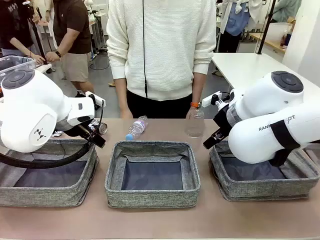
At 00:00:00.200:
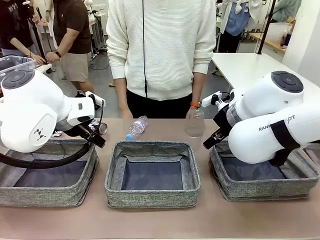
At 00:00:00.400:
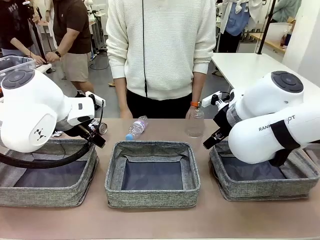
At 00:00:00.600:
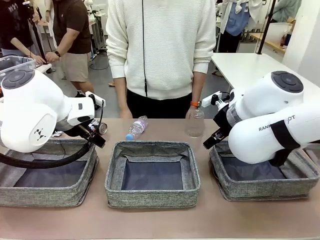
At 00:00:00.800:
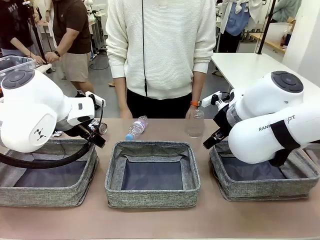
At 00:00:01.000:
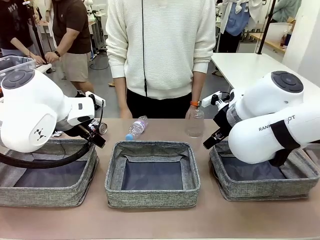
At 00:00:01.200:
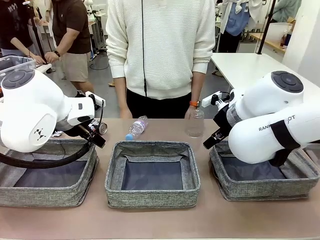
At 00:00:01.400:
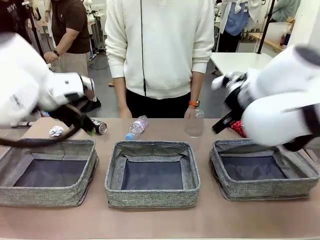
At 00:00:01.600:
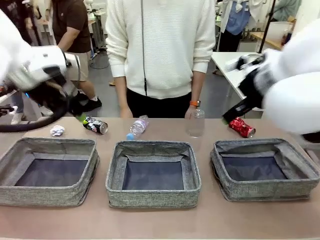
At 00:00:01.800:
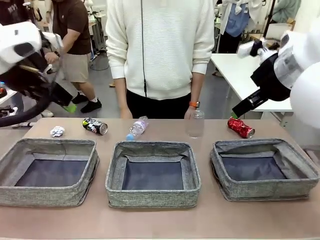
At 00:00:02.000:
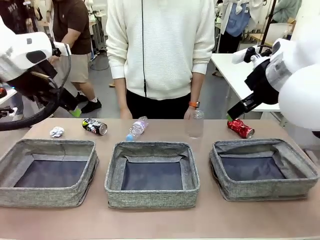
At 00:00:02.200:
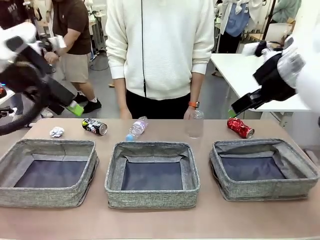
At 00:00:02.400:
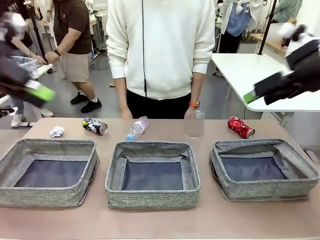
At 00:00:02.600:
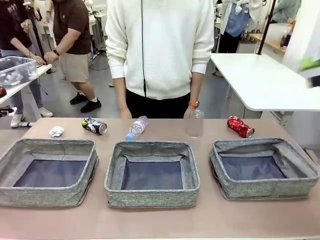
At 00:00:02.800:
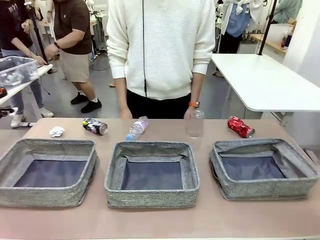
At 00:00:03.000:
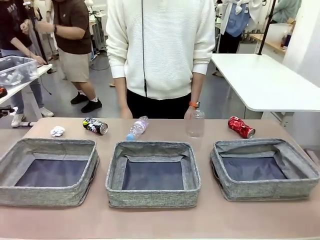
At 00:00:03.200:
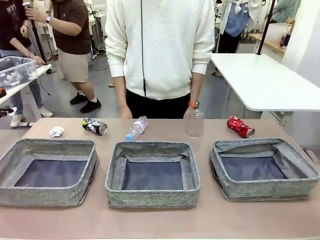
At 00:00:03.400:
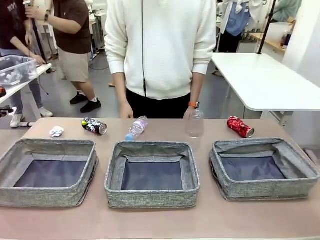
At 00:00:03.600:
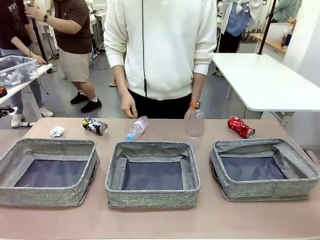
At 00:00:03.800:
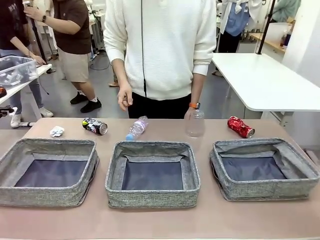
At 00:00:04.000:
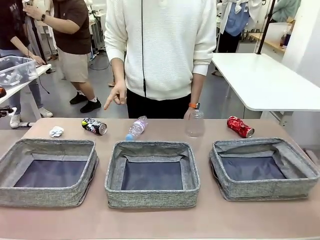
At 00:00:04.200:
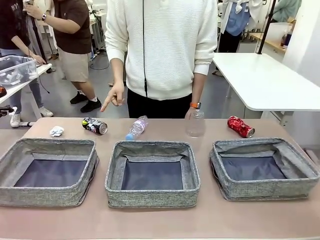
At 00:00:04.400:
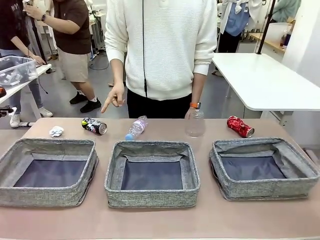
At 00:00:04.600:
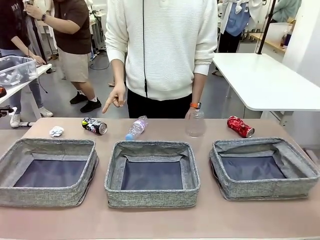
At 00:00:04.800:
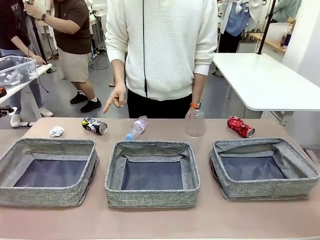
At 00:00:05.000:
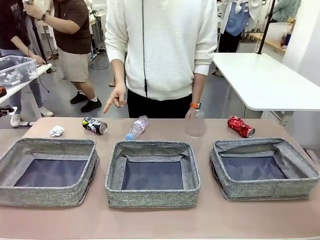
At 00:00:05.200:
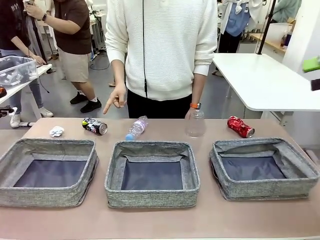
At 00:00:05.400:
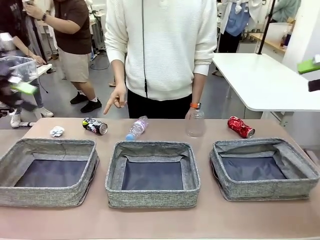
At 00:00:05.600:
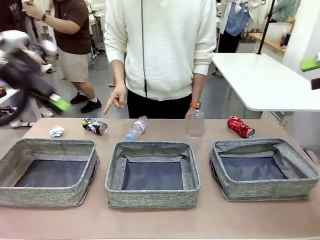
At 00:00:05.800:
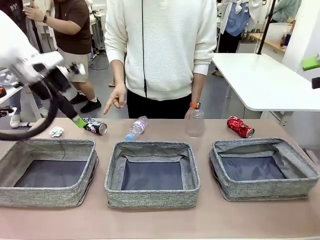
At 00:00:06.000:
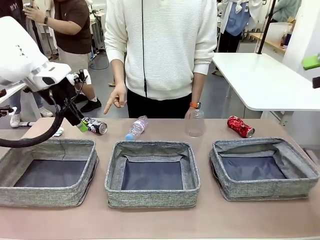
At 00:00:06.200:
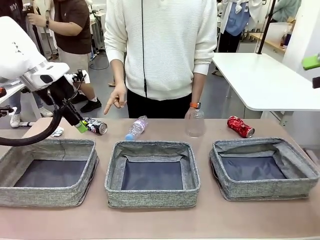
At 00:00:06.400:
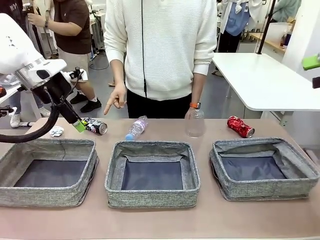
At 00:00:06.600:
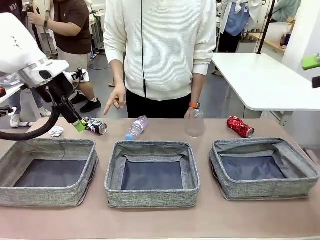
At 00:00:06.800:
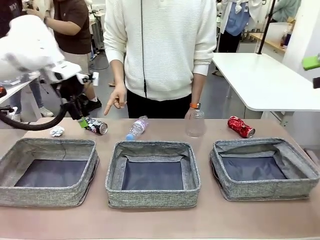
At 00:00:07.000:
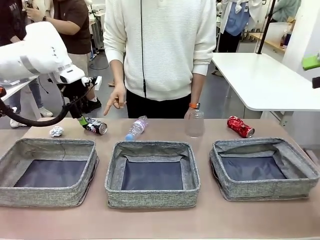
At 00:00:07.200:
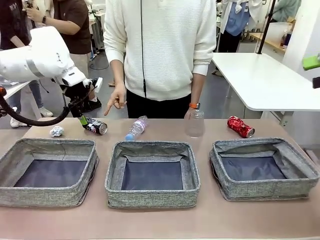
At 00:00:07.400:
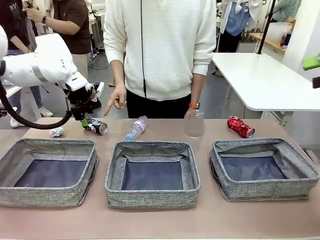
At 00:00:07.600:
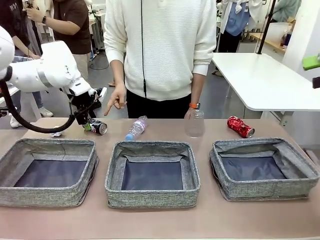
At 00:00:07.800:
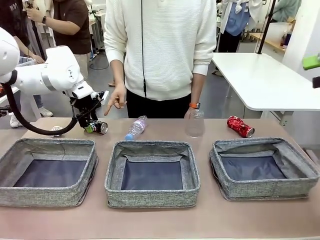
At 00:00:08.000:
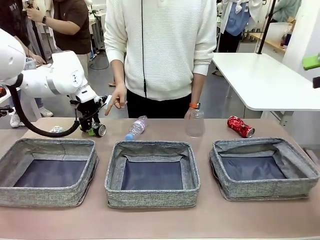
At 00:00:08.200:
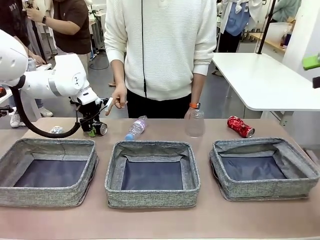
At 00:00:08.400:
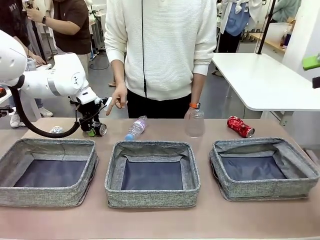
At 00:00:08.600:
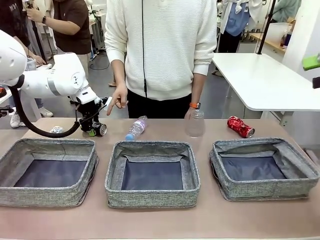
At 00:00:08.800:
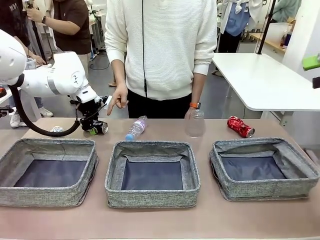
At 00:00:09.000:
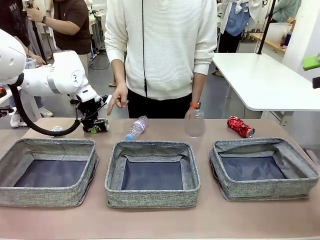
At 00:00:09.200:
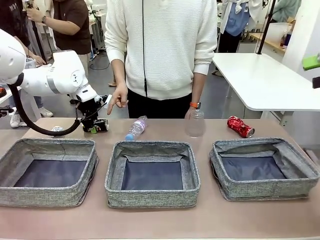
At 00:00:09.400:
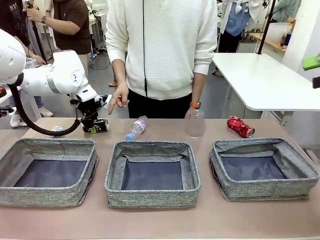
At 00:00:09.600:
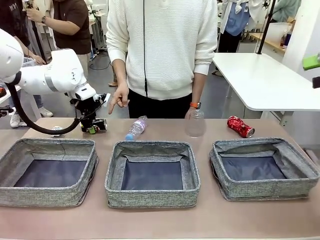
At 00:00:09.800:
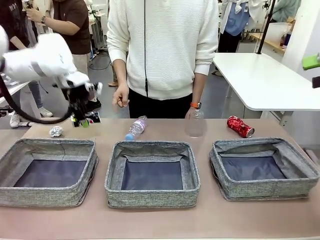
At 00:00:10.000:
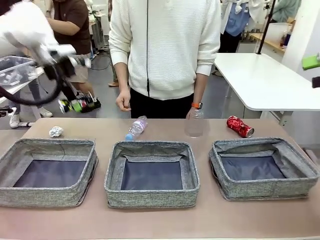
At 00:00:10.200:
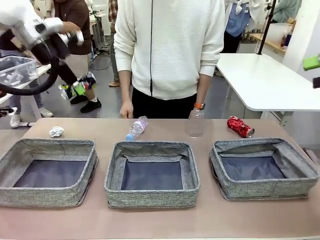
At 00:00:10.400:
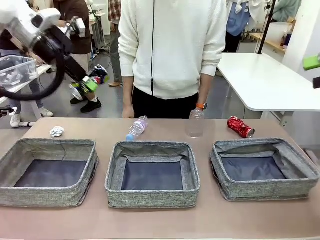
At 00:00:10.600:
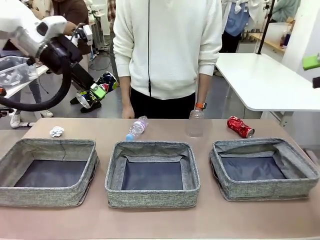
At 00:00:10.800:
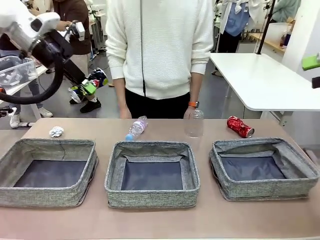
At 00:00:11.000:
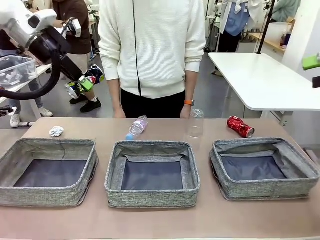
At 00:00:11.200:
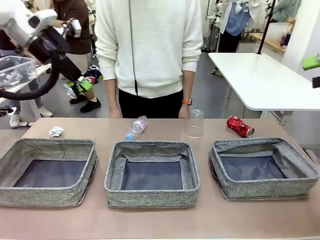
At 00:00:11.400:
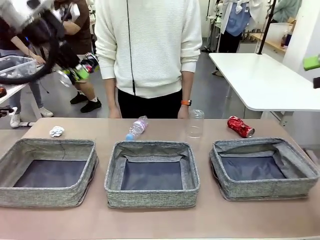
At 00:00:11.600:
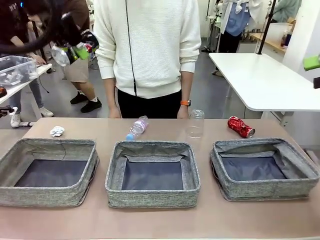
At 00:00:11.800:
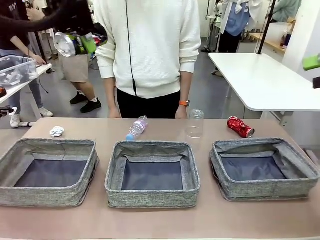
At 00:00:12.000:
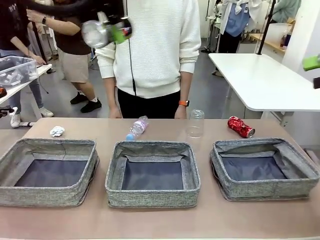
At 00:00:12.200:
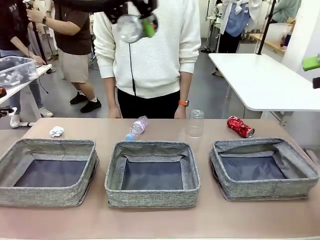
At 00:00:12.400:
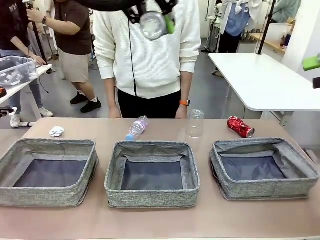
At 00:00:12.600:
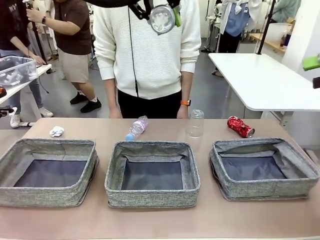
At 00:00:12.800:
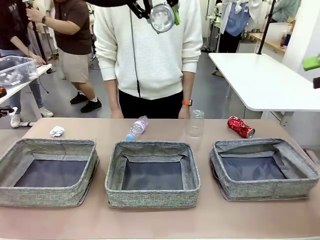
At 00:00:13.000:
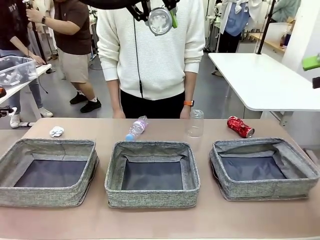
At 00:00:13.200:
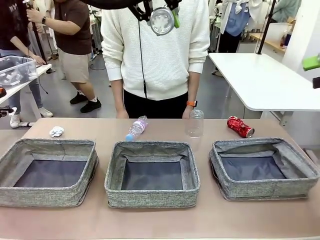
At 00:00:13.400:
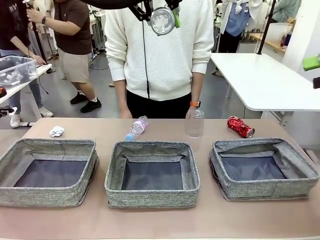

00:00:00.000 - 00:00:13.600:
Task: Sort the waste into the appropriate baskets.
Robot: Pick up the waste item pointed out by the person.
Person: Points to one piece of trash on the table.

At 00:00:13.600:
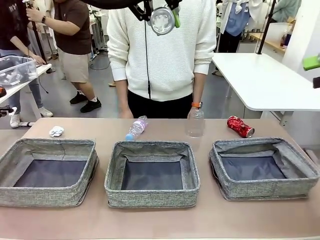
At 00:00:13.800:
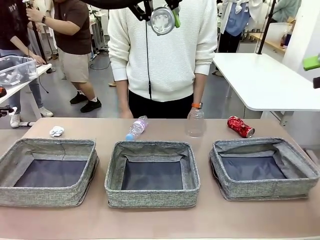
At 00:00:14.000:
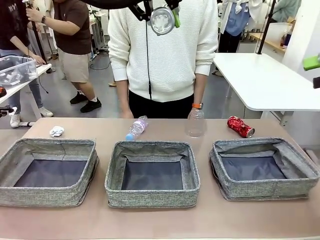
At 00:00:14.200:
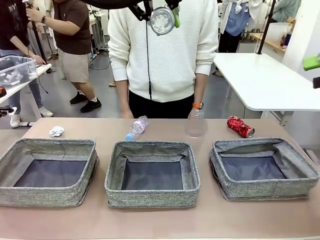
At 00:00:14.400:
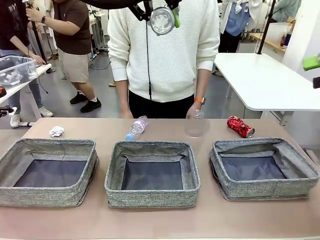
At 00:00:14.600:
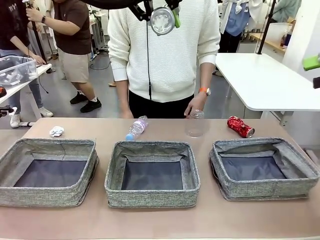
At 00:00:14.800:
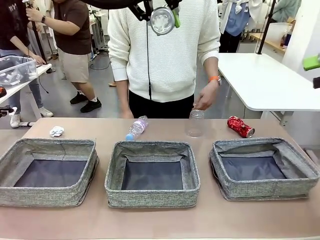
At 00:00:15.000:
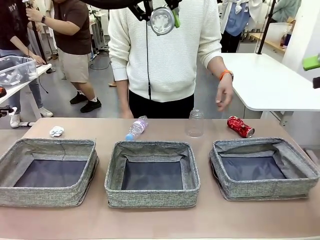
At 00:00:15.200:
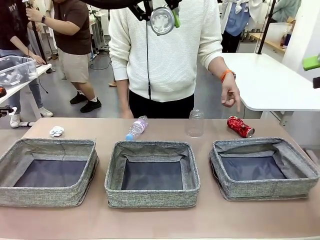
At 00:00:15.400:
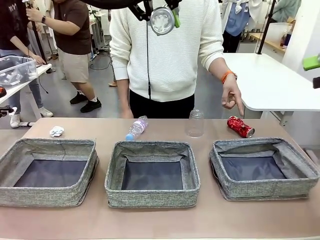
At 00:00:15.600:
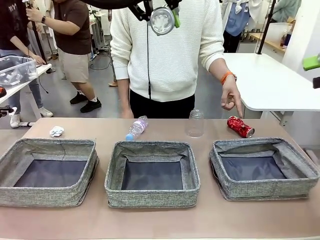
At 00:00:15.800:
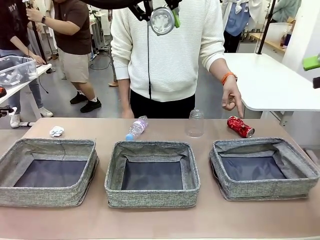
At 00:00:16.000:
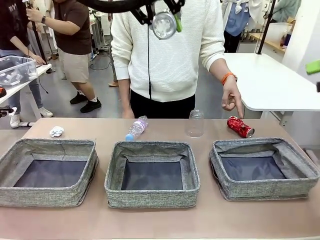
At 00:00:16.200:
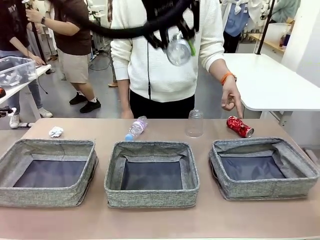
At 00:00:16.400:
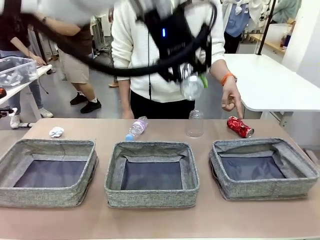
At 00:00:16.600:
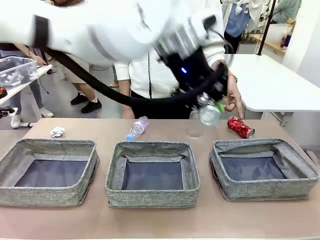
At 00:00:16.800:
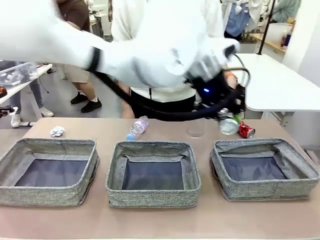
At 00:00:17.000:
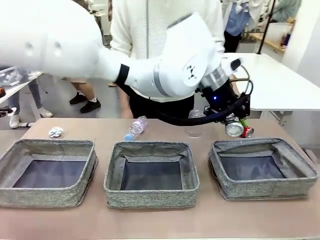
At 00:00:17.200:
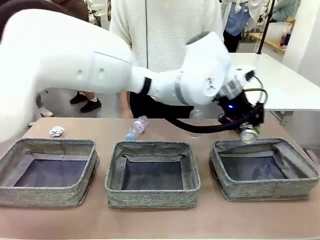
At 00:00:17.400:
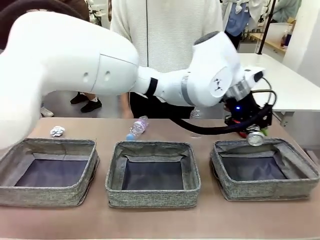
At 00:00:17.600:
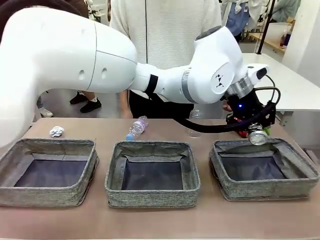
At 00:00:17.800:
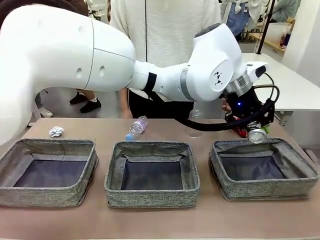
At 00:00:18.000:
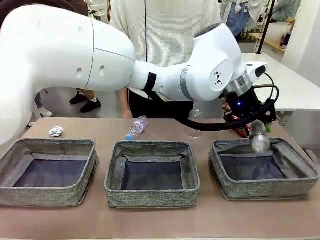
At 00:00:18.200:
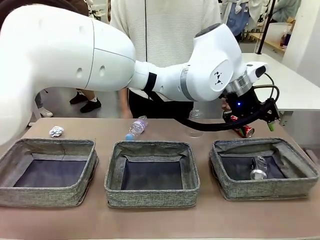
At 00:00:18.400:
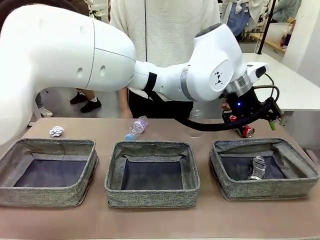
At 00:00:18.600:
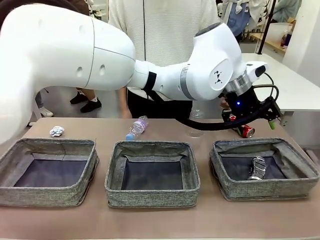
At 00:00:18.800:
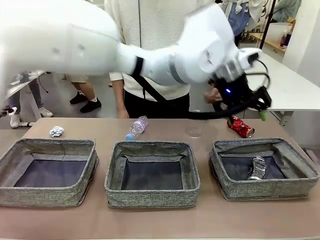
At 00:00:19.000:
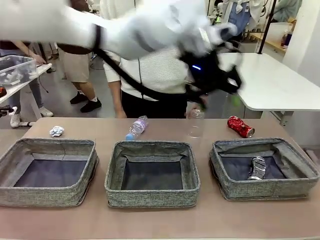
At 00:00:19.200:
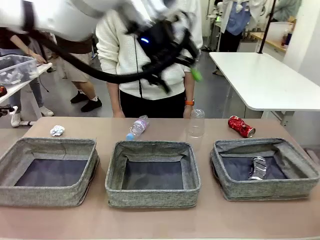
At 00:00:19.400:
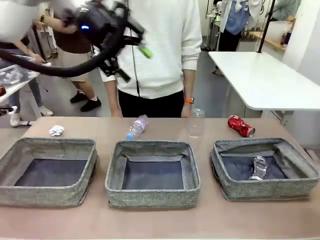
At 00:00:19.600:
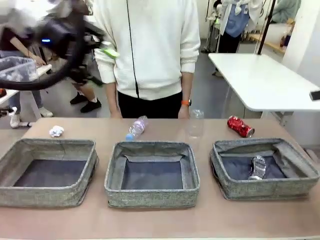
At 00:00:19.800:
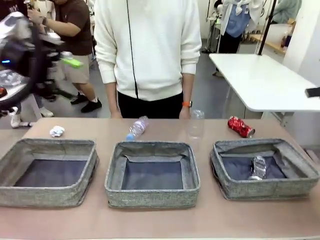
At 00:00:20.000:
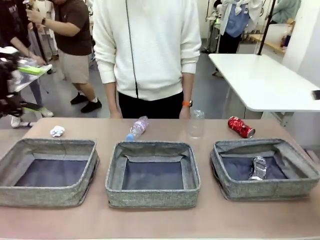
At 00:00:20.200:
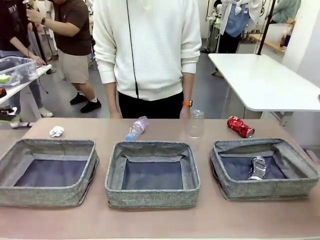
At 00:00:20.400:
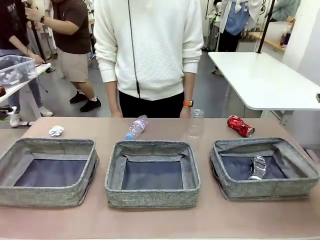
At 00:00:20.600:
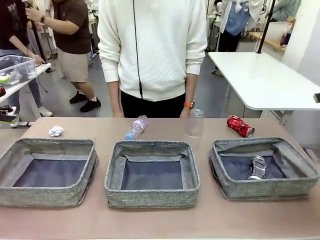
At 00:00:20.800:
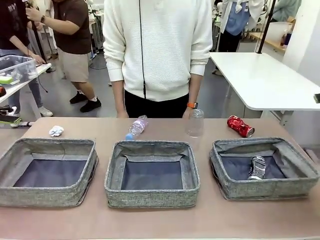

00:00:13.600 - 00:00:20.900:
Robot: Place the picked waste into the Fabric basket indicated by the person.
Person: Instructs the robot to place the picked-up trash into the appropriate organizing basket.
